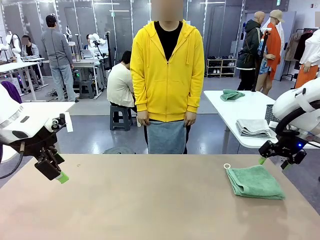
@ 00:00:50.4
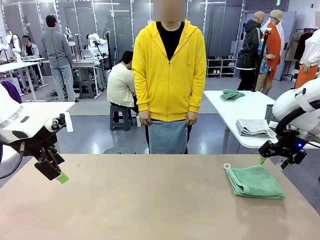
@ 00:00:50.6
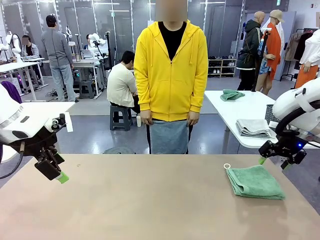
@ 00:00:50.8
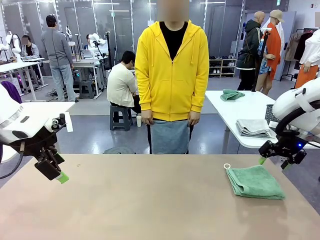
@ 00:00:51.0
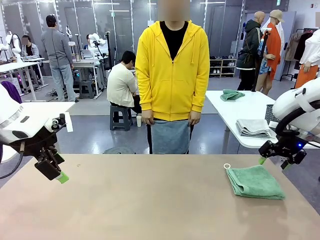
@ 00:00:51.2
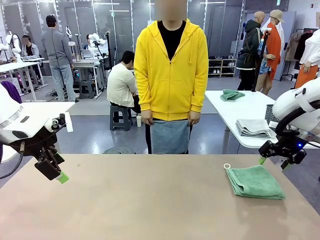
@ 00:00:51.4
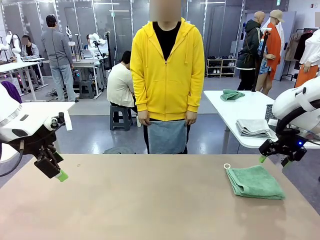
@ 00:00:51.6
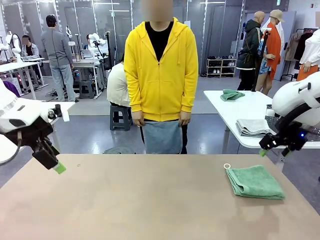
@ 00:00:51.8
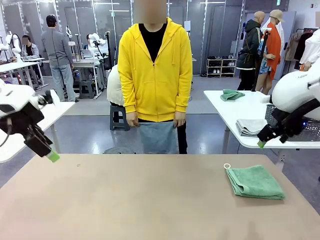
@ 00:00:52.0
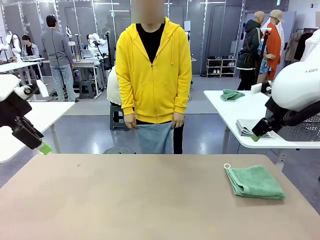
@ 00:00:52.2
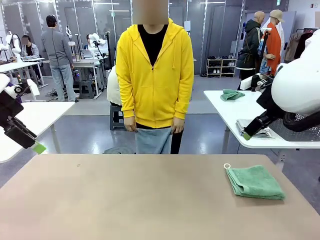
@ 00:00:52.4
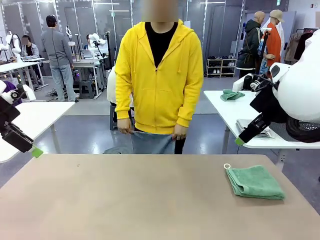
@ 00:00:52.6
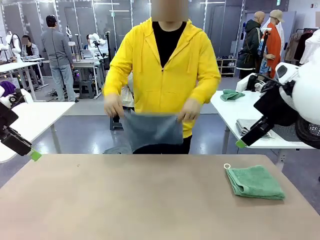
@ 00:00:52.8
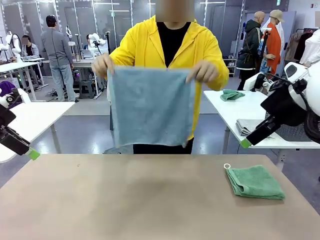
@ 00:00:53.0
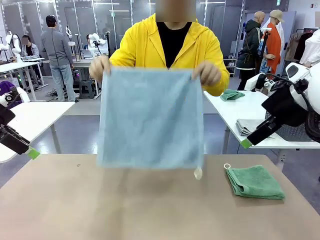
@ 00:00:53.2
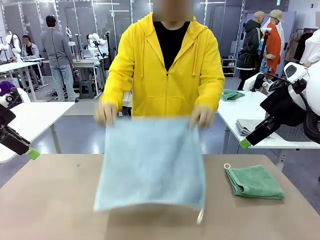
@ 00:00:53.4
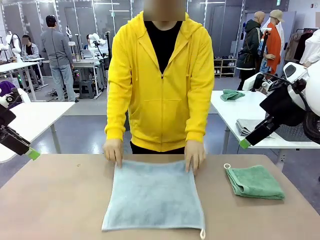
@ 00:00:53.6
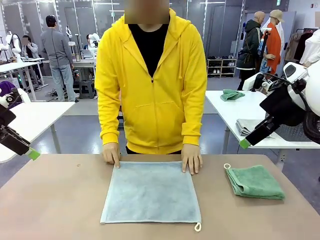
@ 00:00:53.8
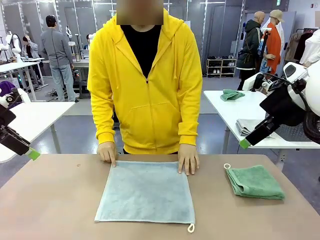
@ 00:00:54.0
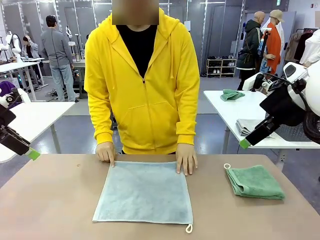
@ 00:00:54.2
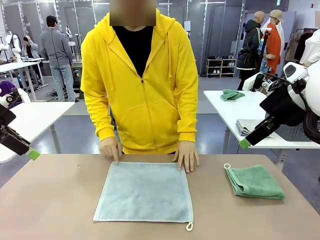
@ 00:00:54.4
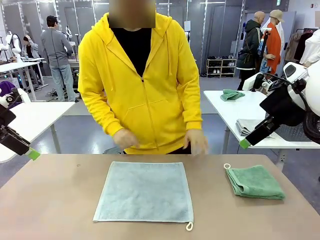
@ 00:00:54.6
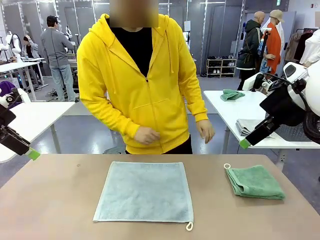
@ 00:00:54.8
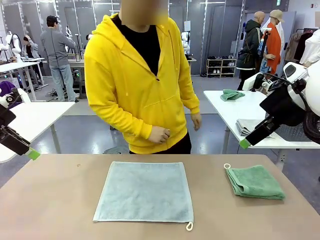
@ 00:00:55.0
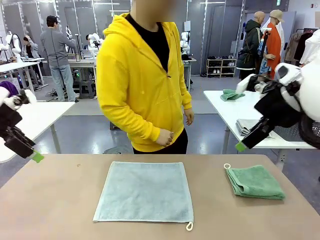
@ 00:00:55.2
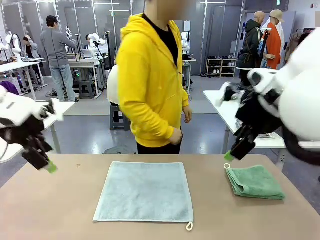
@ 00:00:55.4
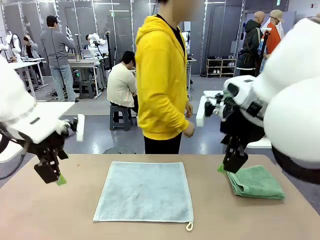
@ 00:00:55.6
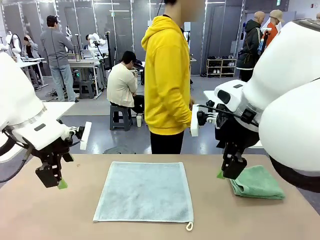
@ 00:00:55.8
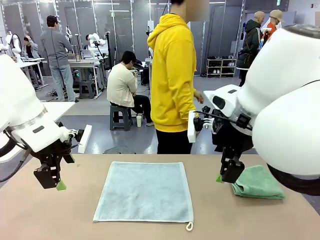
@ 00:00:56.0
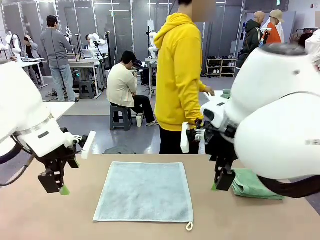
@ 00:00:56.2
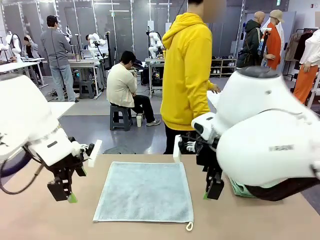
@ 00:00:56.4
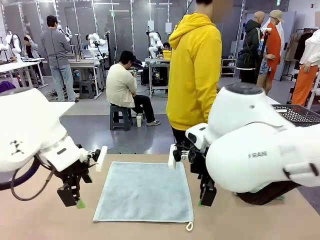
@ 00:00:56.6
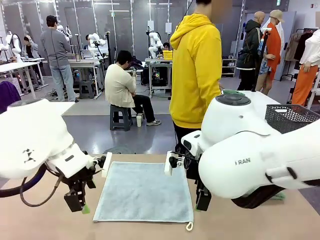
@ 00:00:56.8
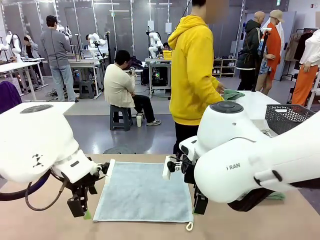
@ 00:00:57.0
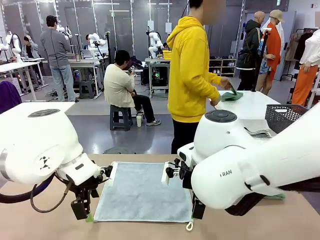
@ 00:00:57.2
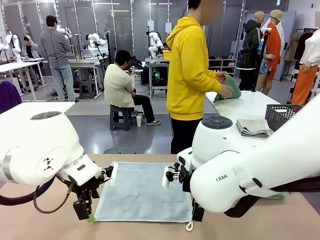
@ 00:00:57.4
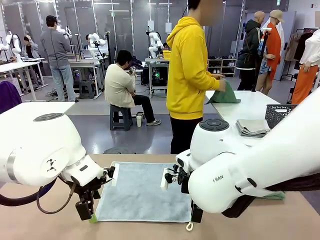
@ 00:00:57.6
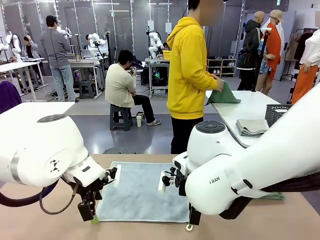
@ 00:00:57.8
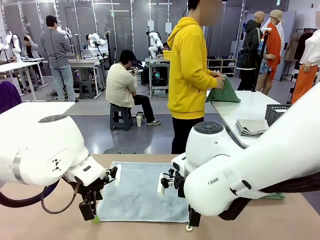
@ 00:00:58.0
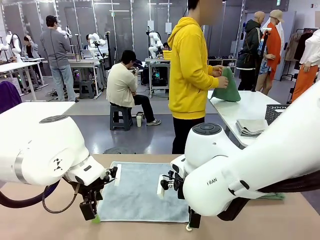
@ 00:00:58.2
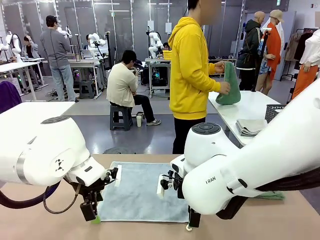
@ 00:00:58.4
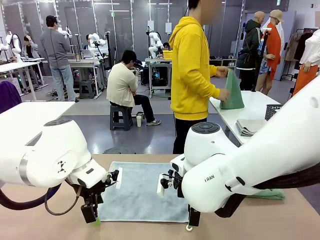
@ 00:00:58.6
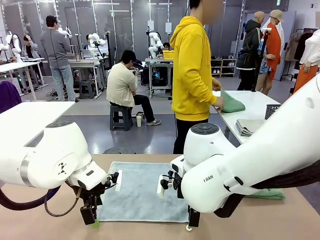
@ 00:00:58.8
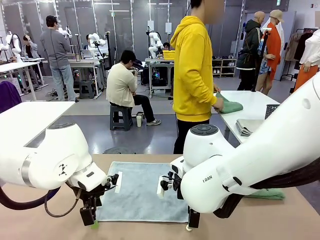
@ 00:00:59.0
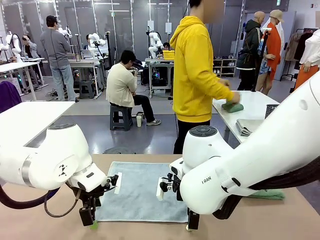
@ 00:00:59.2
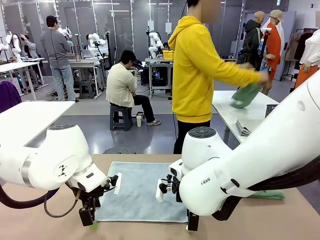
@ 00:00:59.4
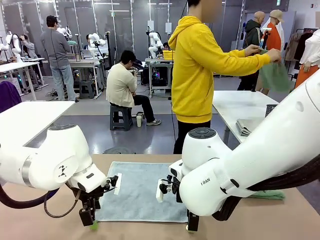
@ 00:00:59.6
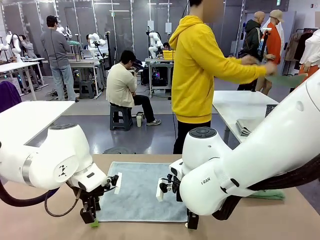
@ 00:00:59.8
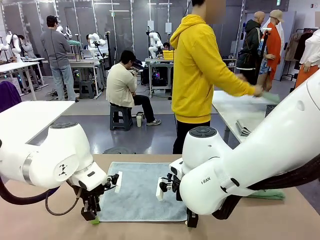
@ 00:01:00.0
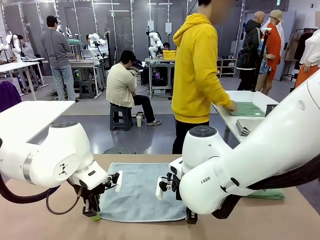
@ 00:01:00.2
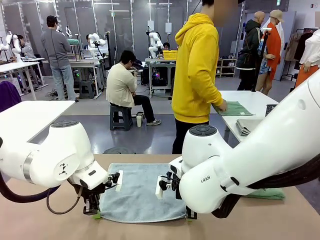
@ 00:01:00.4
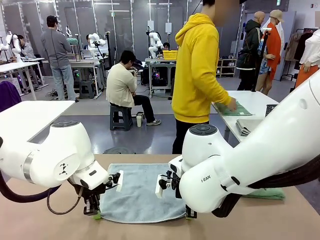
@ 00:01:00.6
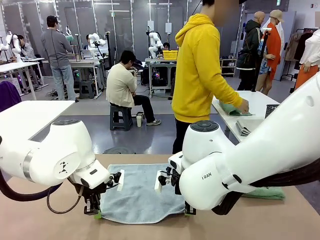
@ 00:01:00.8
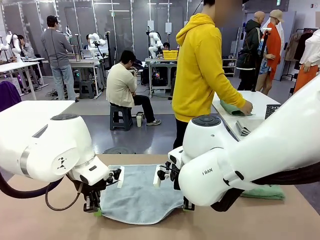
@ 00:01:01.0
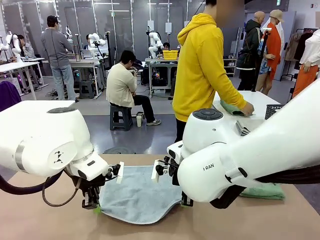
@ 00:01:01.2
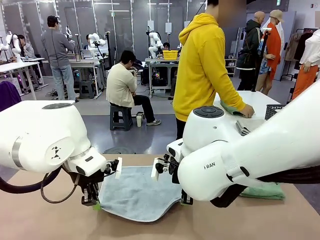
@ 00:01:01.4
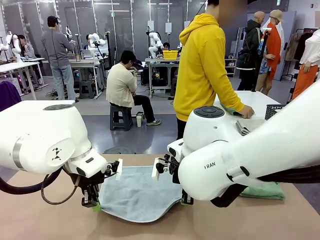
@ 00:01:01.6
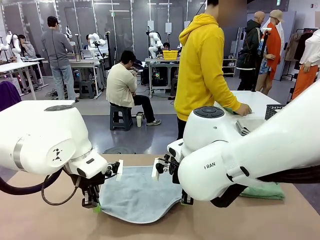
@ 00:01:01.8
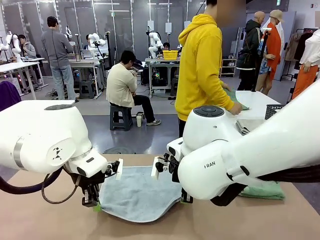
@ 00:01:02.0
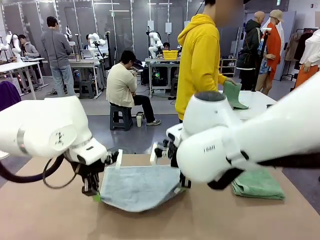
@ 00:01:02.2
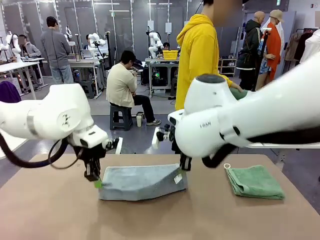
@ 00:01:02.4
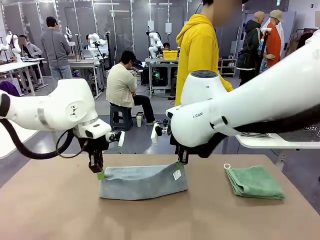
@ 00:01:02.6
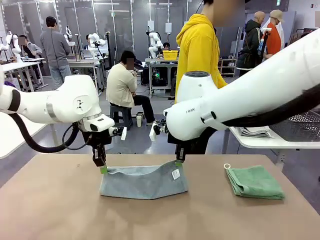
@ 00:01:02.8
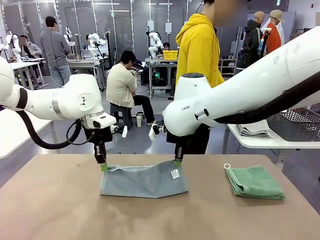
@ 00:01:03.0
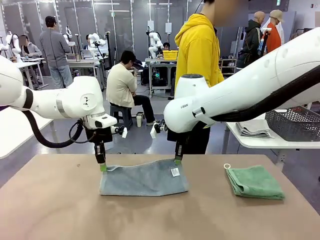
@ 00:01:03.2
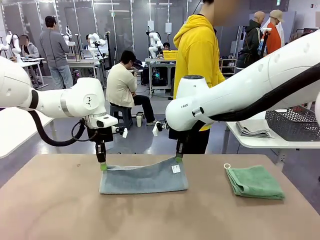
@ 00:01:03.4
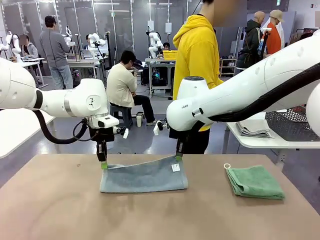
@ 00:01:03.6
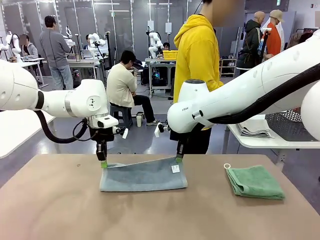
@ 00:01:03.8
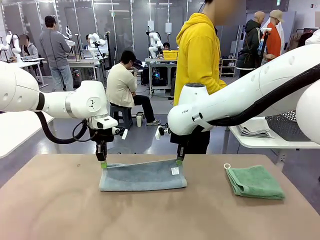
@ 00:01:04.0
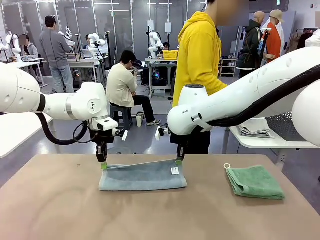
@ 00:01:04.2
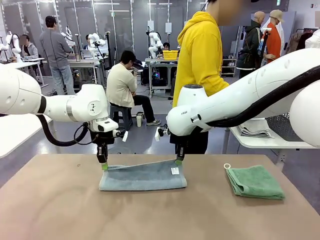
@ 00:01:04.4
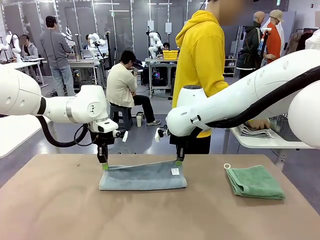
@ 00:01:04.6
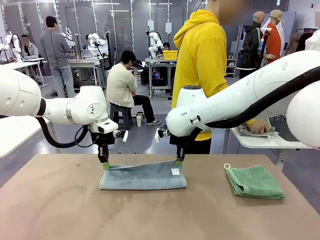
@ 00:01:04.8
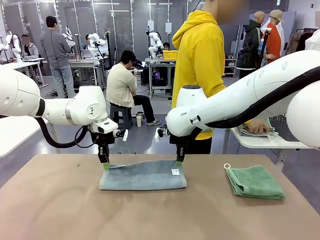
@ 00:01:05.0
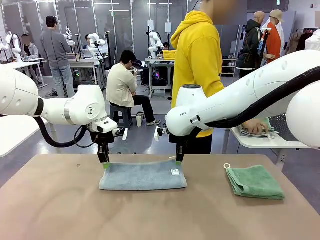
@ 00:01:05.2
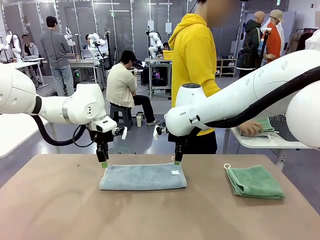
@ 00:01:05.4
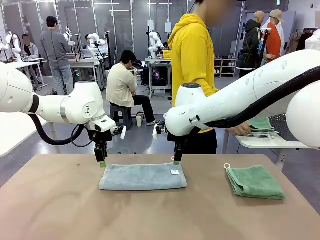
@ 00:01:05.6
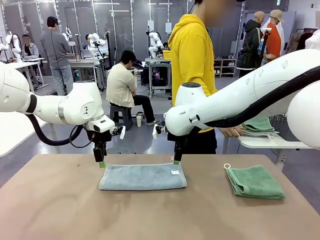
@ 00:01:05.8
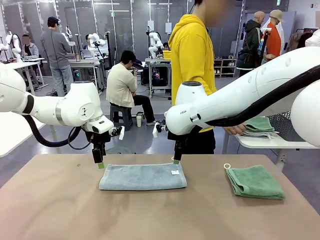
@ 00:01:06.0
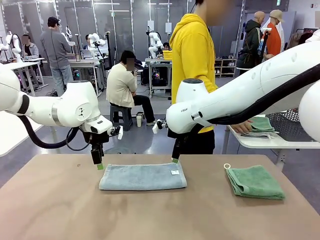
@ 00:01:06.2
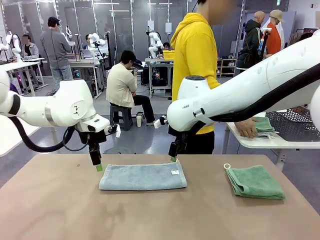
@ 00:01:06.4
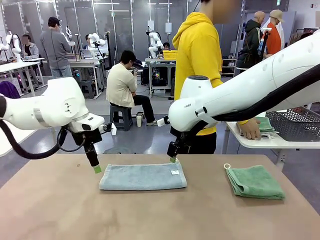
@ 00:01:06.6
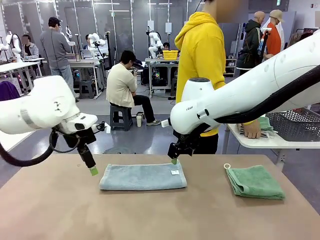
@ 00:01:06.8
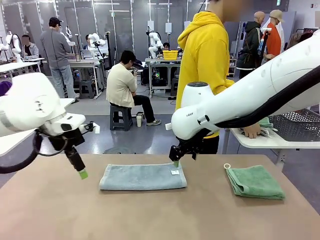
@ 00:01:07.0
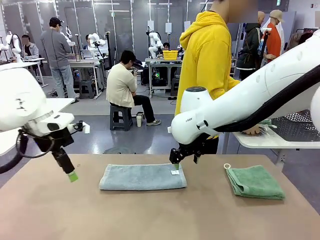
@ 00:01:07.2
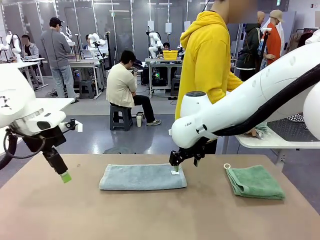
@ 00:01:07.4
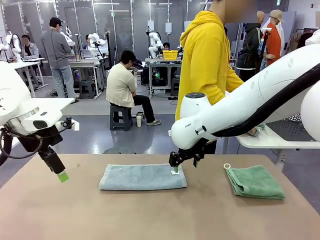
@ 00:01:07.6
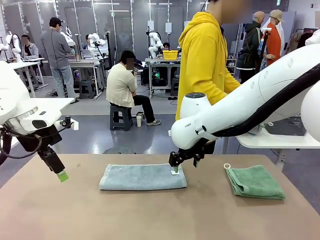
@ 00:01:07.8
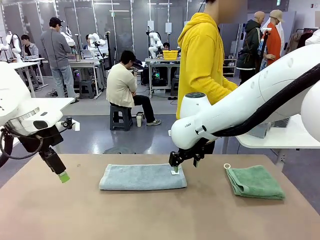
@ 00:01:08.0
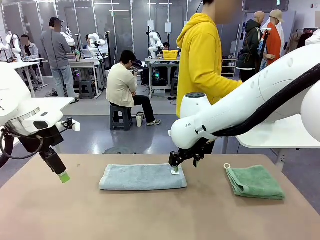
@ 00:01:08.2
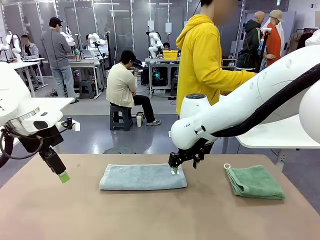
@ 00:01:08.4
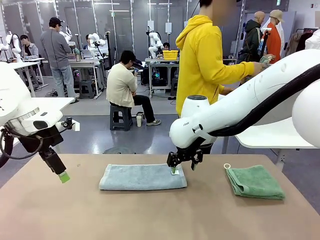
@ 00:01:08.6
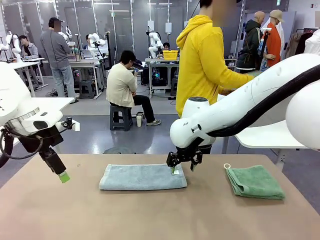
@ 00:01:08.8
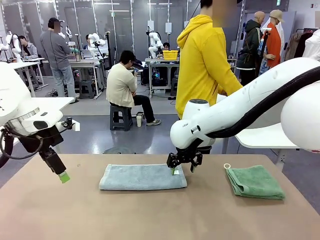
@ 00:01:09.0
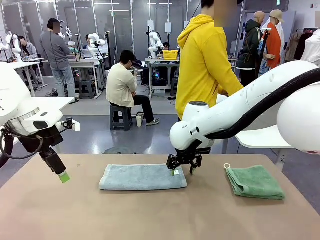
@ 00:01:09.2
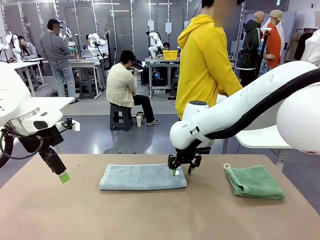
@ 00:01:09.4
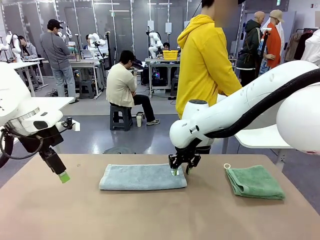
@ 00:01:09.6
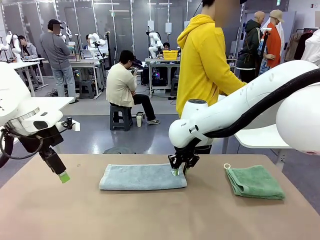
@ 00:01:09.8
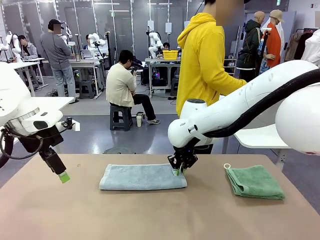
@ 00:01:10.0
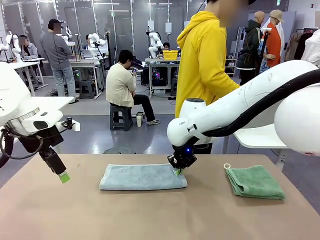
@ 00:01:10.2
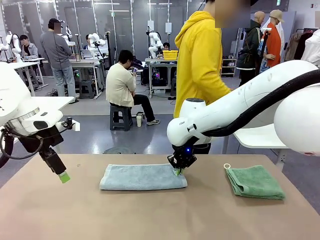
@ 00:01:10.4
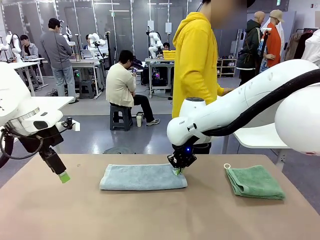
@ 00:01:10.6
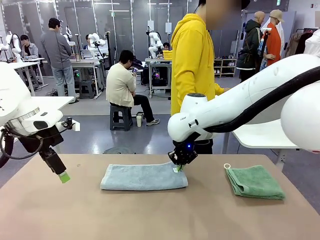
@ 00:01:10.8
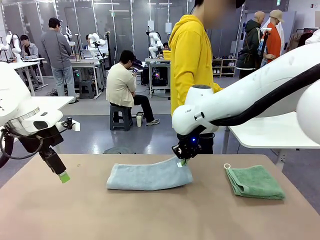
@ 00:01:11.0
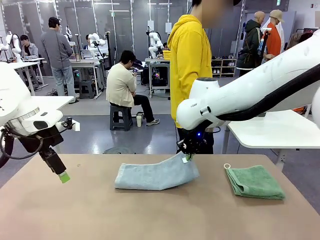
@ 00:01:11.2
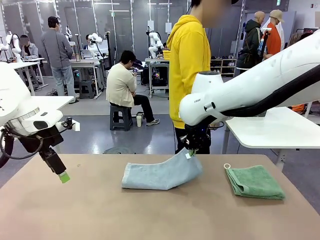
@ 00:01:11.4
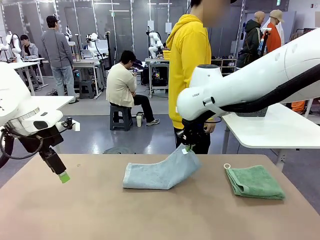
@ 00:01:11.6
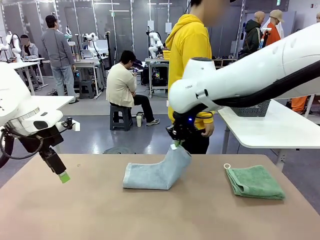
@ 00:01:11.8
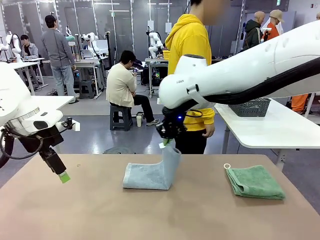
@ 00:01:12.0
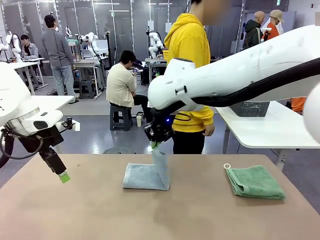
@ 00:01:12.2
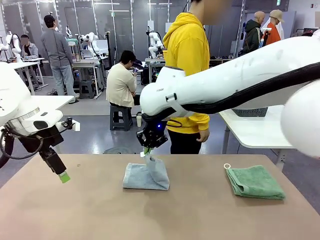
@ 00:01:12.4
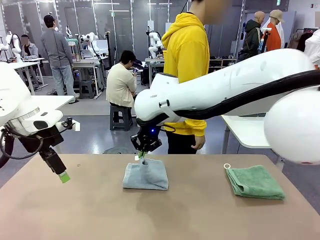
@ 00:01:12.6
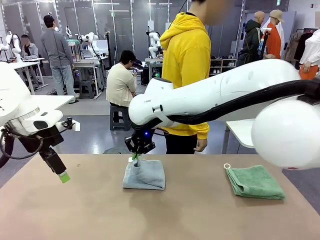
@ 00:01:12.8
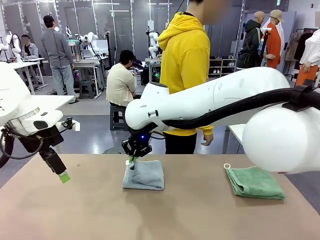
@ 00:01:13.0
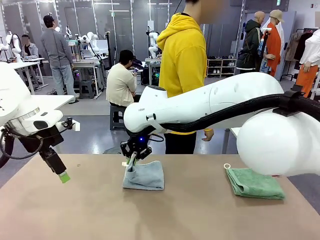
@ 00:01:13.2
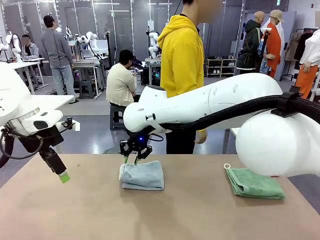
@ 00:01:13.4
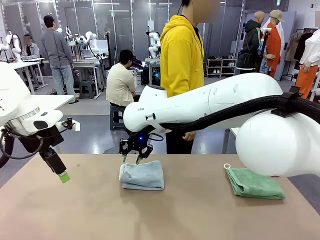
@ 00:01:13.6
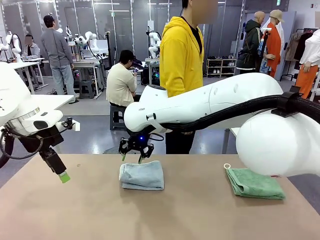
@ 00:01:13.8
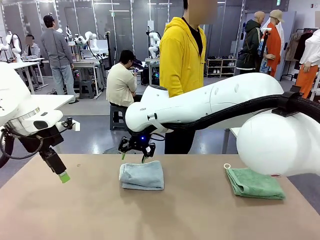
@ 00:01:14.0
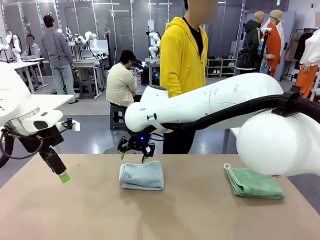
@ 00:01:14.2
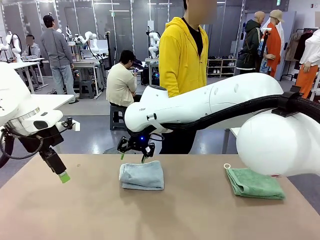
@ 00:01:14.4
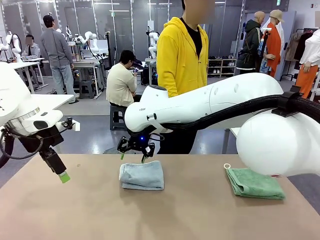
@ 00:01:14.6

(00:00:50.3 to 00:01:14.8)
Task: Fold the towels and place them in the basket.
Robot: When a person lays out a Towel with hook on the table, fold it in half twice.
Person: Pick up one towel from the left side of the human table, fold it in half twice, and stack it on the right side of the table. Pick up the stack of towels from the right side of the human table, place it into the basket, and put the basket at the center of the table.
